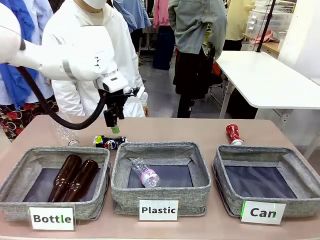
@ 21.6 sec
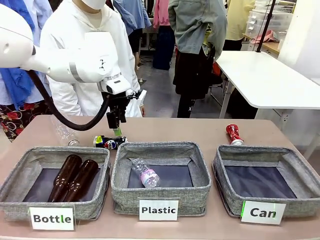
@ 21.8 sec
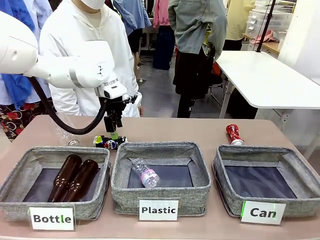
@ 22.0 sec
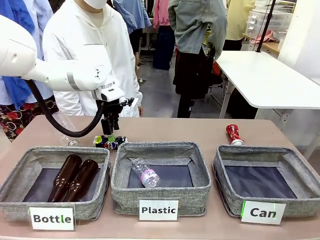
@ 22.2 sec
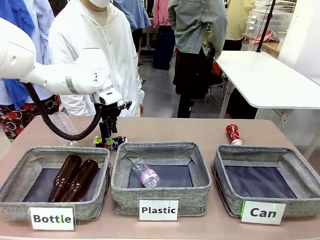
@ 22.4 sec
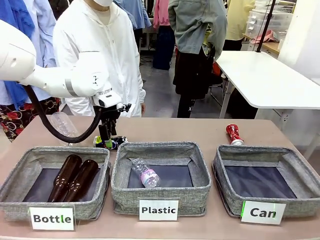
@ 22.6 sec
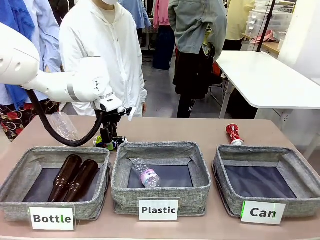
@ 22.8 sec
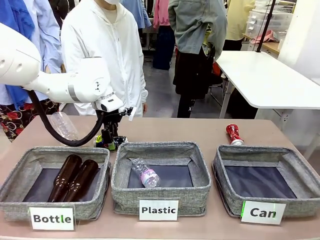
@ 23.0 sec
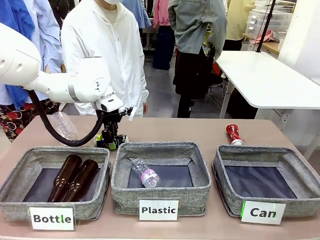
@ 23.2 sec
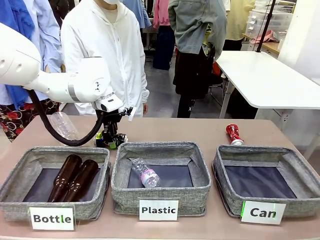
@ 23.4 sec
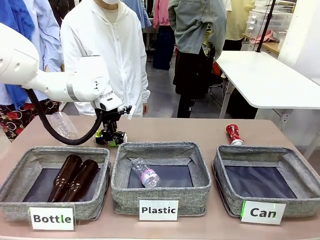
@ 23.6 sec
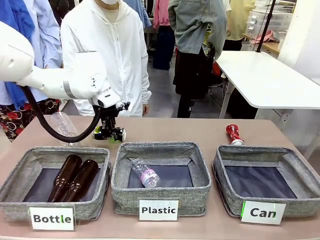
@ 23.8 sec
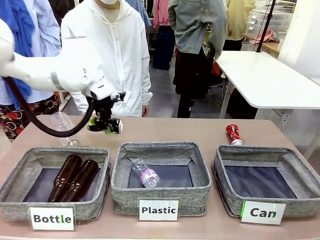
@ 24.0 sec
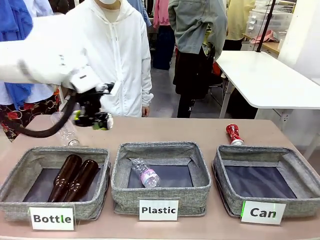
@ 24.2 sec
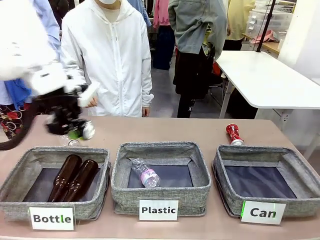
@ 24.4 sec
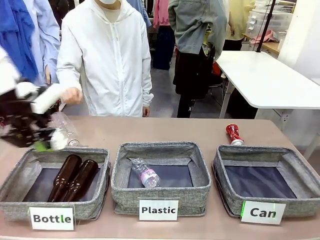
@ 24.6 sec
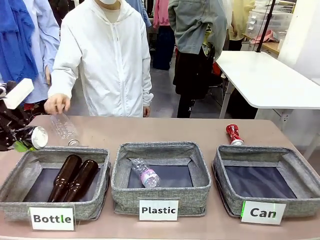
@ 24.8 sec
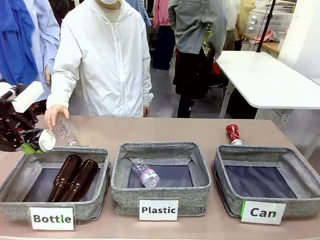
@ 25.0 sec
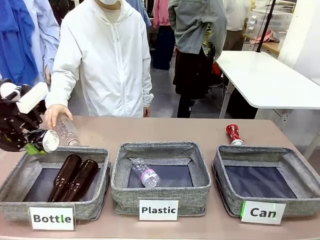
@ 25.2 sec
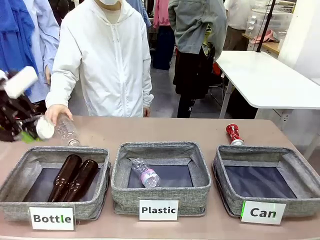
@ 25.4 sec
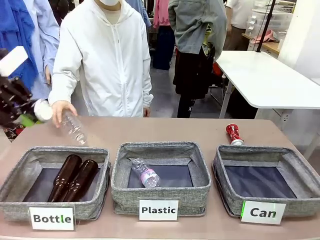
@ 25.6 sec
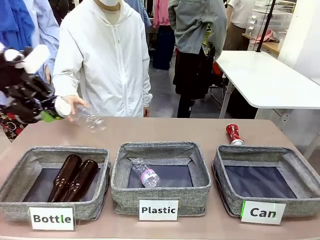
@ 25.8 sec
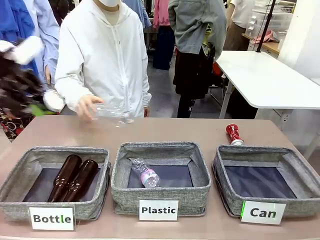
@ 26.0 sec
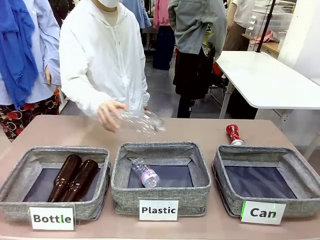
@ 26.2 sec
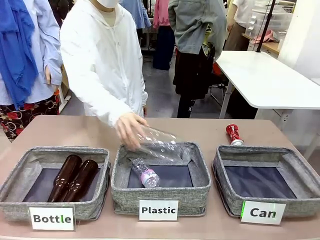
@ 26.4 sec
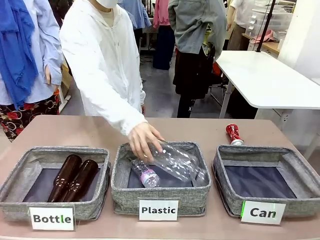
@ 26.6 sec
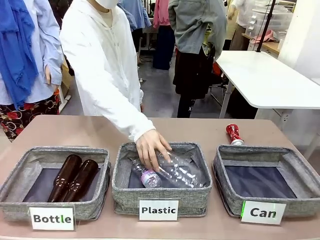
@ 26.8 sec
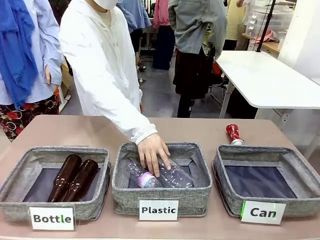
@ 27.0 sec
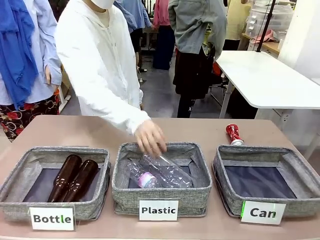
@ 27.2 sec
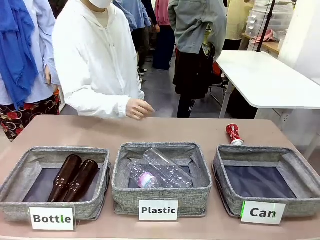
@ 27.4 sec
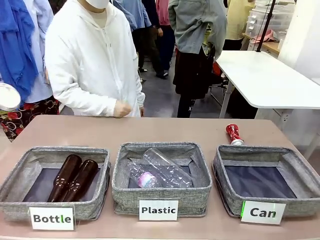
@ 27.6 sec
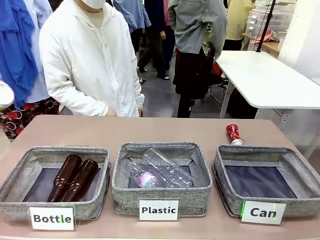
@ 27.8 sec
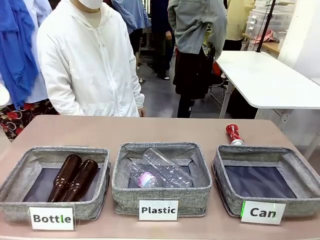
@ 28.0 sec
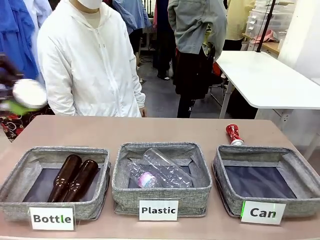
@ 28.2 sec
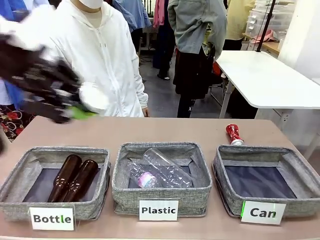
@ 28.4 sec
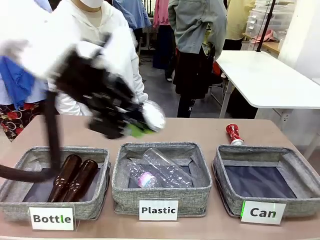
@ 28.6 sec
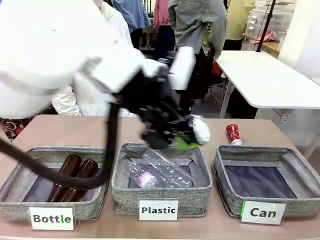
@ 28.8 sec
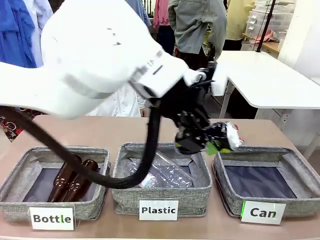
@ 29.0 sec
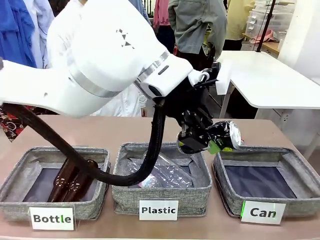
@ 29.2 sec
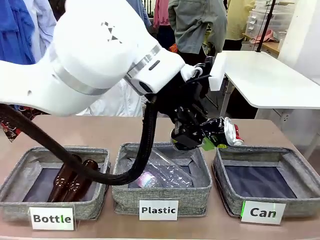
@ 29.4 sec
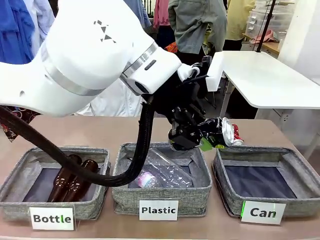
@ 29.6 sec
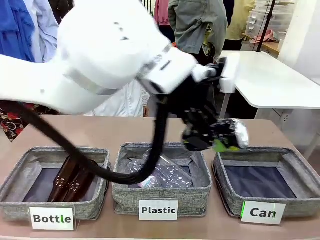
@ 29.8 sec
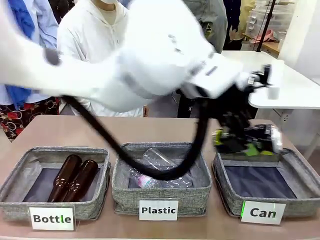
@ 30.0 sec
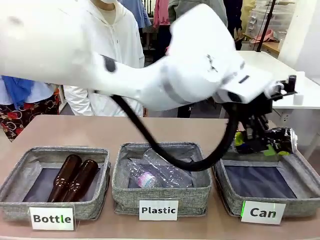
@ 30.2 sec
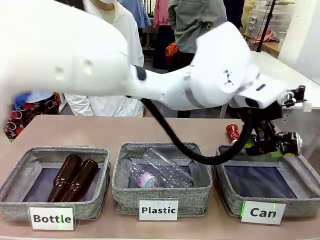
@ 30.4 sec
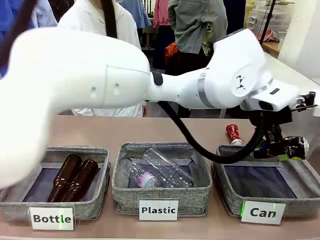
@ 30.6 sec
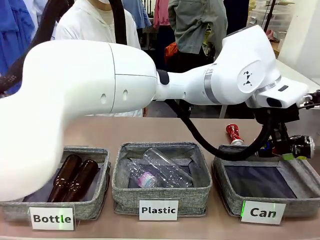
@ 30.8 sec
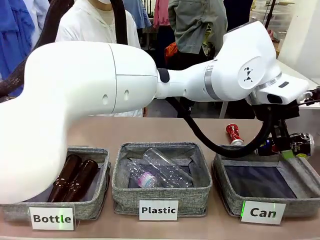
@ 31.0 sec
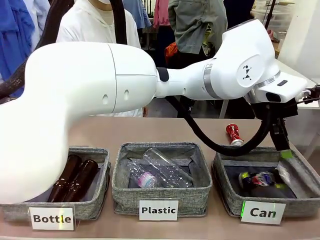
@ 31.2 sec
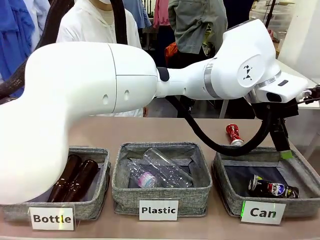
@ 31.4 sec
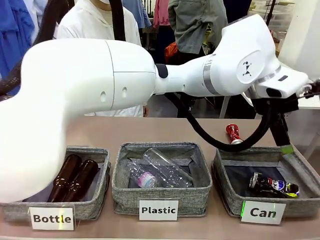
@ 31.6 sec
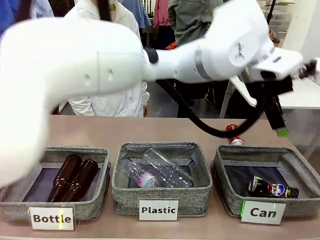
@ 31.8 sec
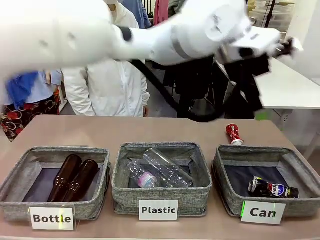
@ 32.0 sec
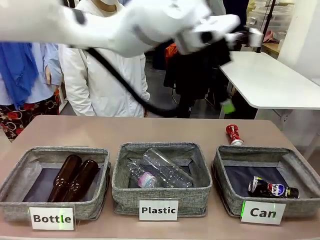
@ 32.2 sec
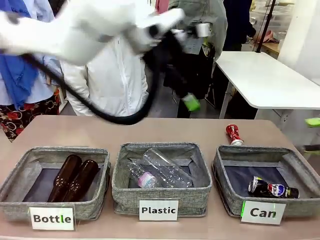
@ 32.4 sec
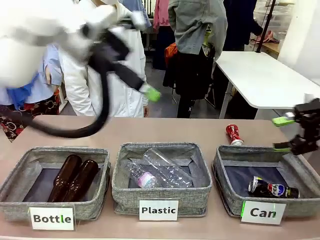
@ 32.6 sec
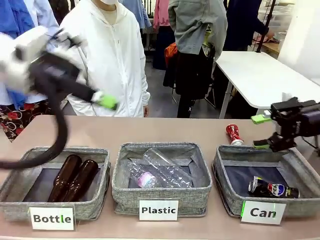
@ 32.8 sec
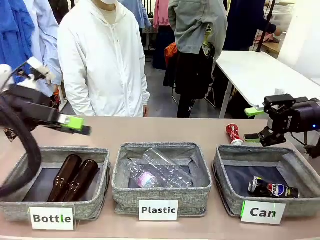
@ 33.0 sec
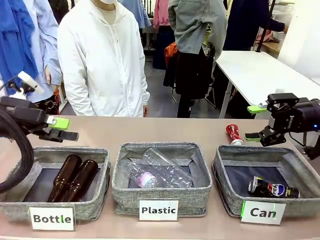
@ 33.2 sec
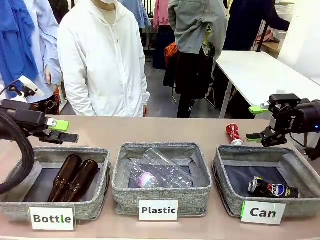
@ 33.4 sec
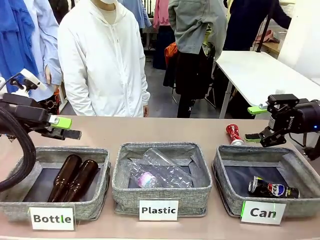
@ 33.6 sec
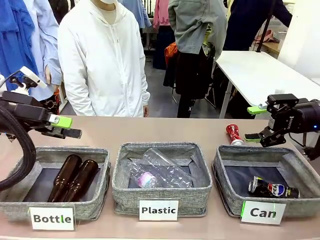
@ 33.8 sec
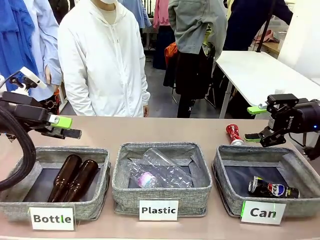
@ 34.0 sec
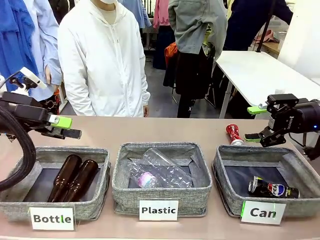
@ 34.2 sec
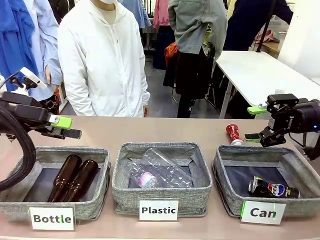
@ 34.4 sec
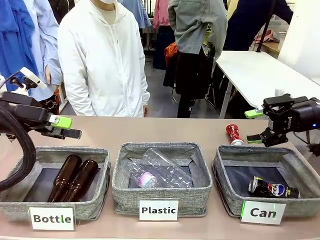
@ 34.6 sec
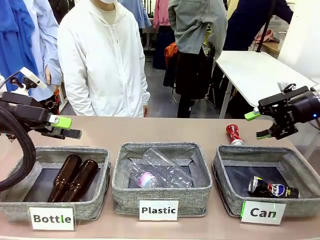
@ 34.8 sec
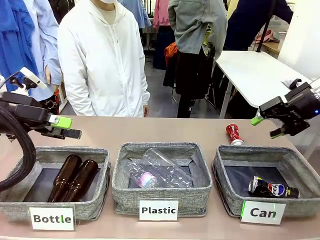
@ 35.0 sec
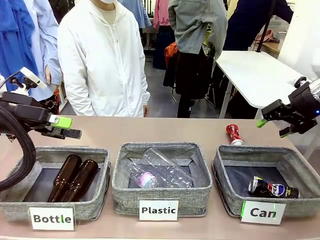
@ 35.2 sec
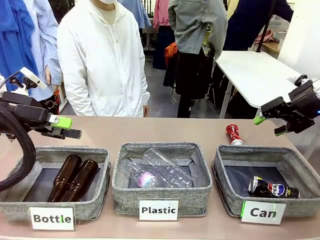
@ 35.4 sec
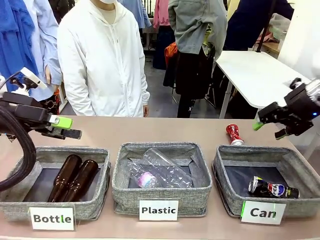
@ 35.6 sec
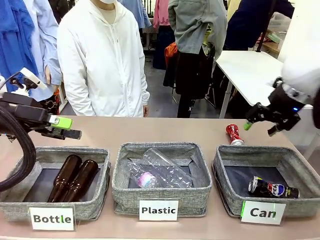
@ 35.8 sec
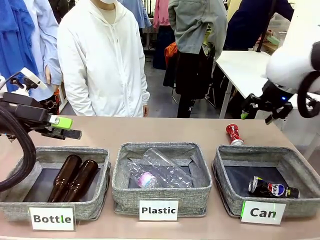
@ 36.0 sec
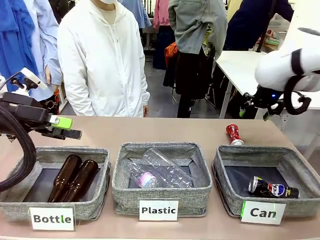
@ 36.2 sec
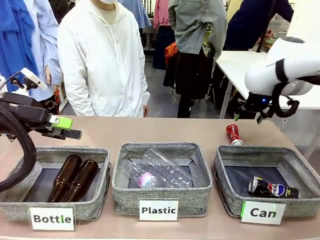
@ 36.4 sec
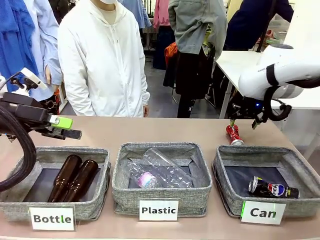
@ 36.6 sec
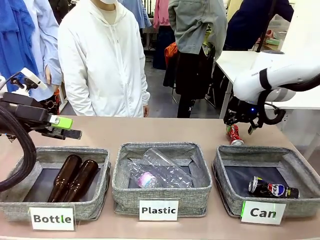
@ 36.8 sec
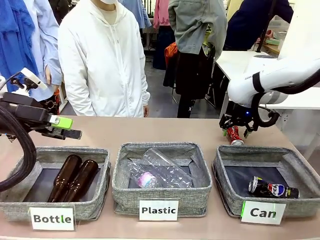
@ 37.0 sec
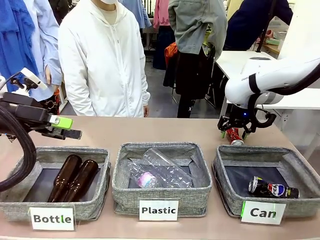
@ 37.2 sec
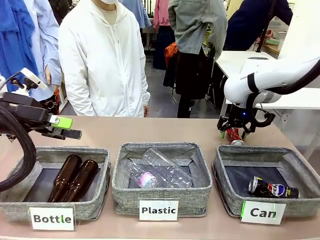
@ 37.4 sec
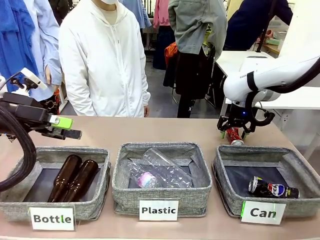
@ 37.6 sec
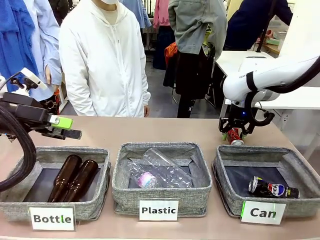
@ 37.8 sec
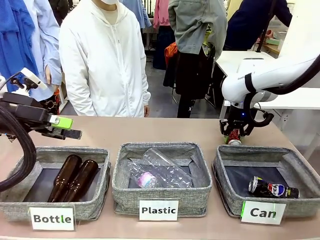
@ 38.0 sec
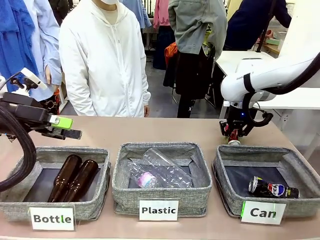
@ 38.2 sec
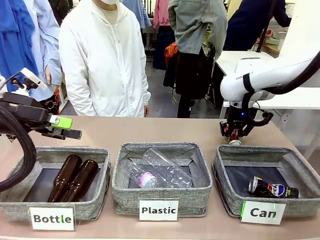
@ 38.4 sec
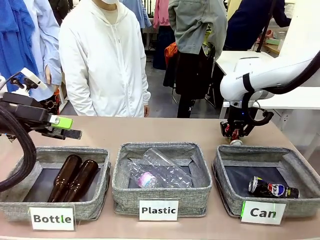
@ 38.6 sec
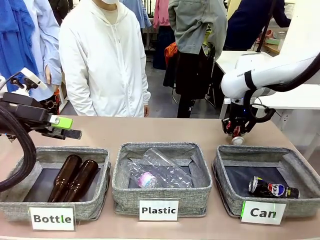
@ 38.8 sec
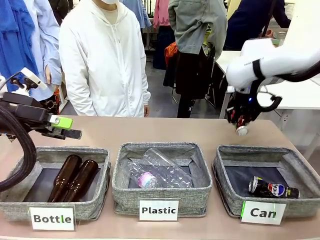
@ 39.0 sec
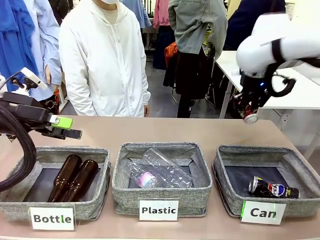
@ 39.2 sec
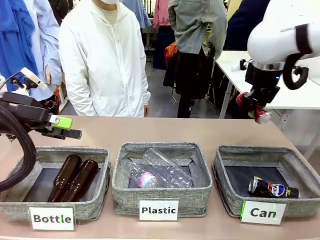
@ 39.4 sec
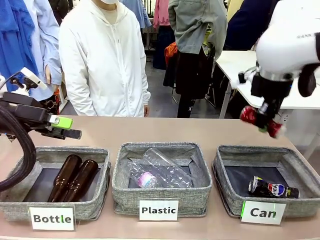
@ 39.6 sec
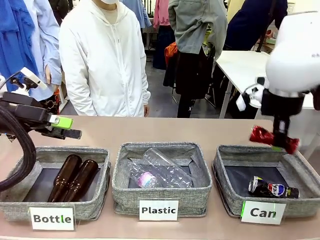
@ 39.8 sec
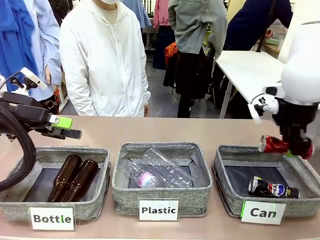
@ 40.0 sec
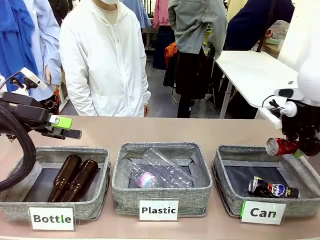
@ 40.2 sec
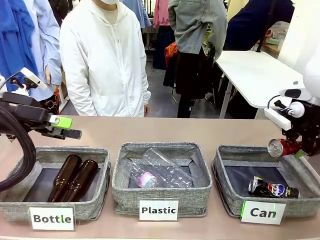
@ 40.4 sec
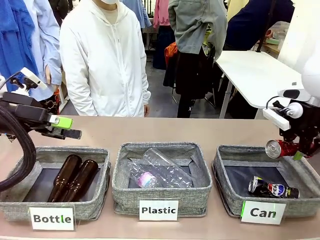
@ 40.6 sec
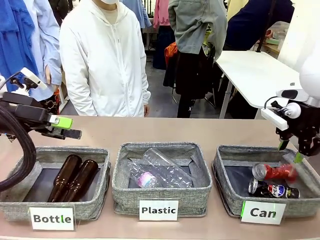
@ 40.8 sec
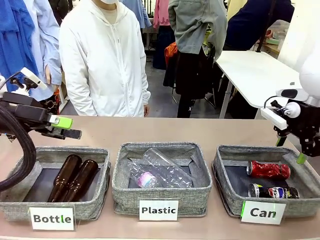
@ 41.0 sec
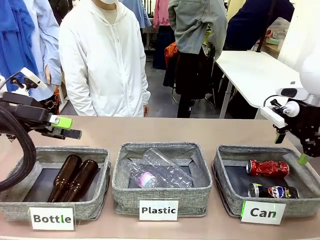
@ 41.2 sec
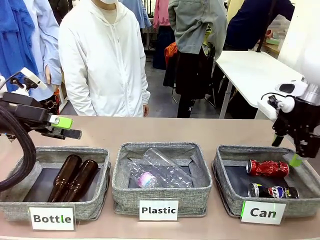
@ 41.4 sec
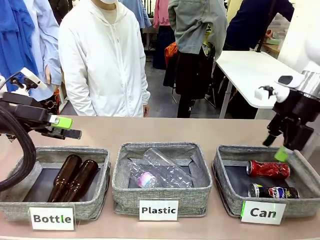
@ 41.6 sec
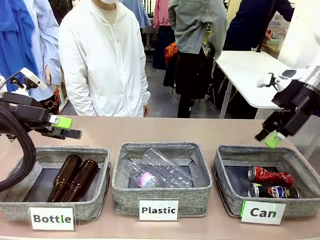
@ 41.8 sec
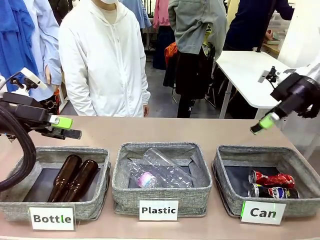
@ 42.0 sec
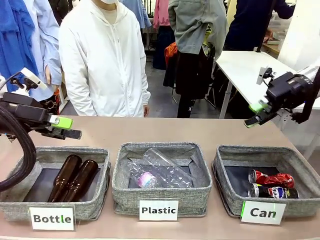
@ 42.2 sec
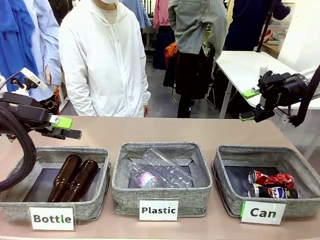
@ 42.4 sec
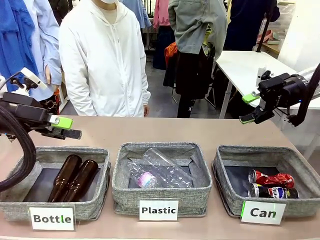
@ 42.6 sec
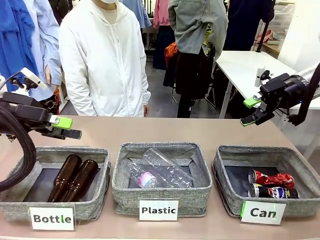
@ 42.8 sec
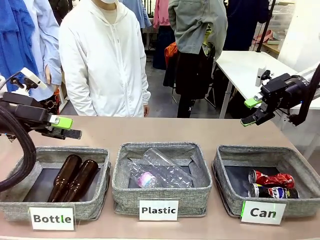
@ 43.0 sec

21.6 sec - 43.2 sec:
Task: Sort the can waste into the basket.
Robot: Pick up the can waste from the table and place it in the right Fabric basket.
